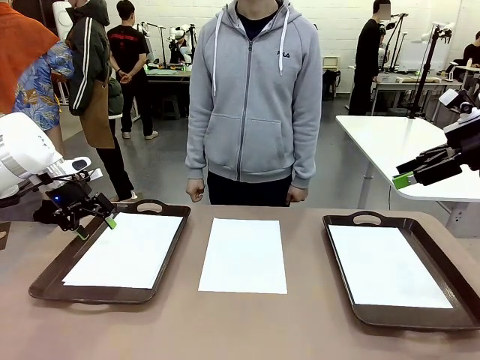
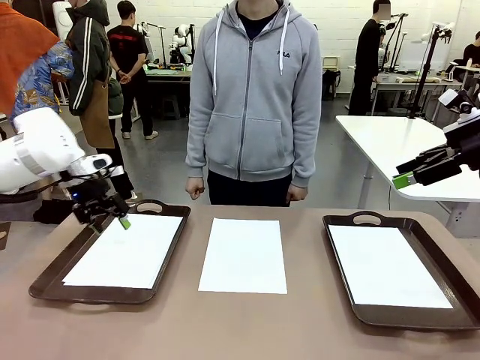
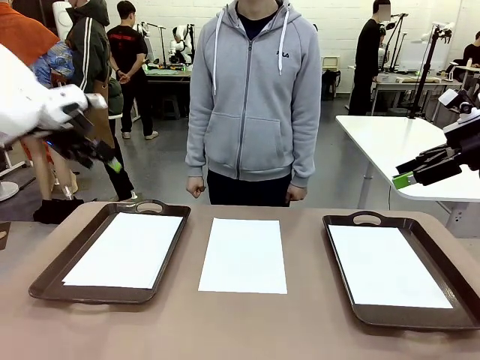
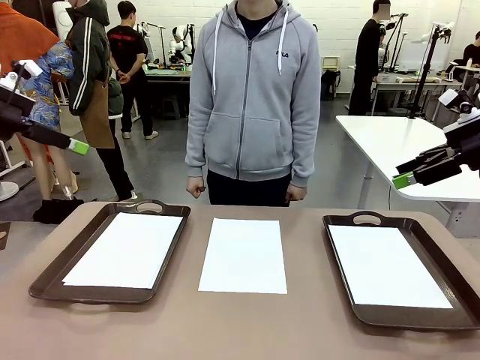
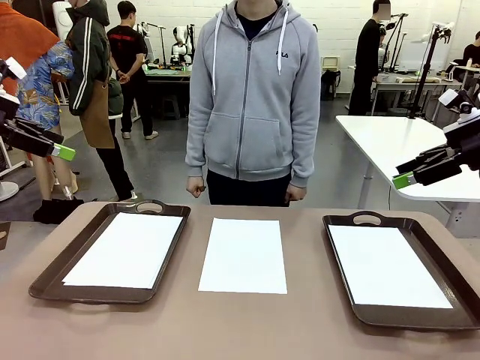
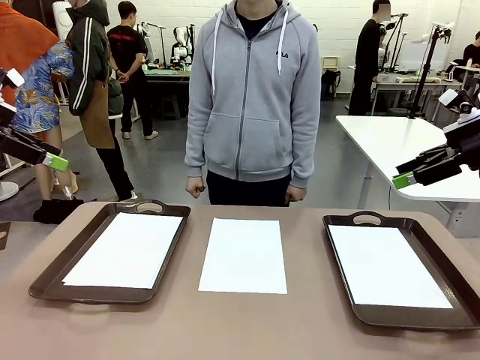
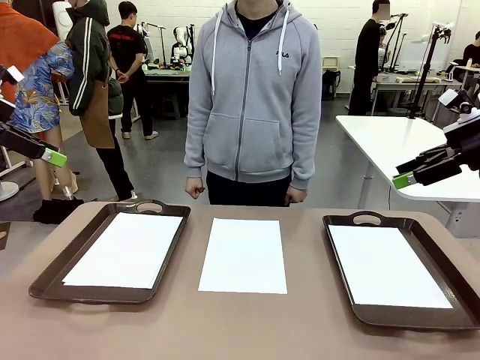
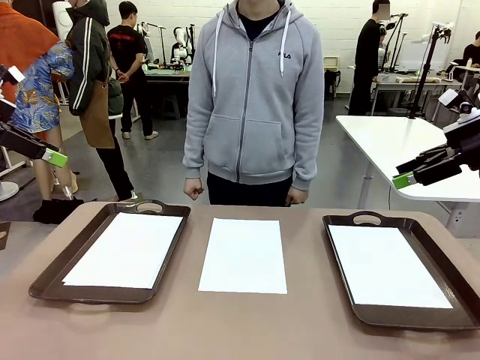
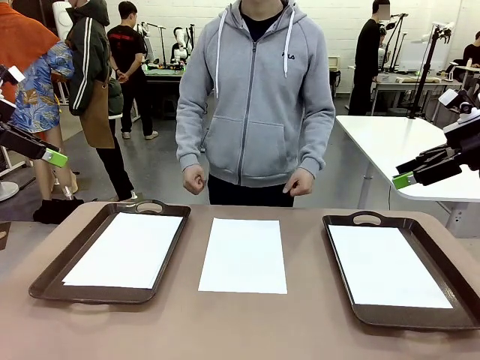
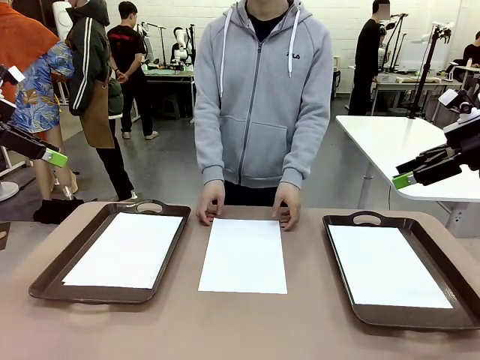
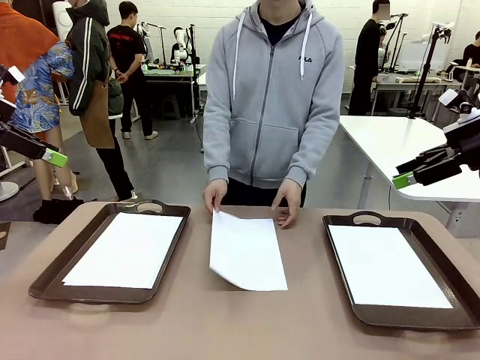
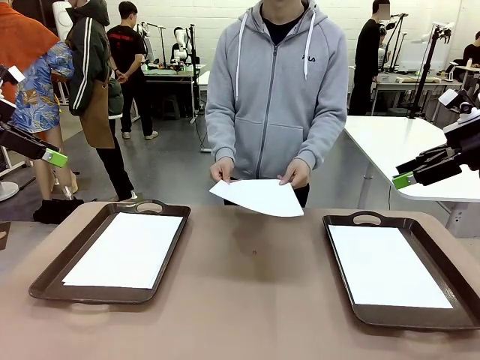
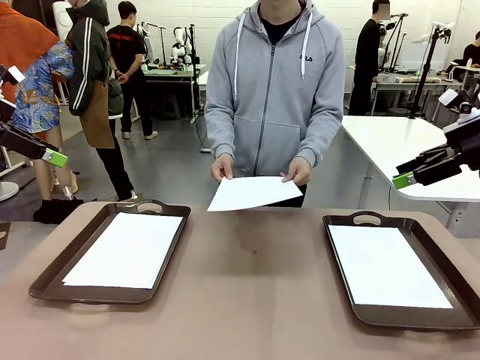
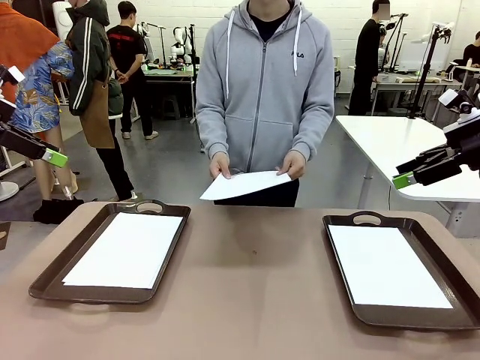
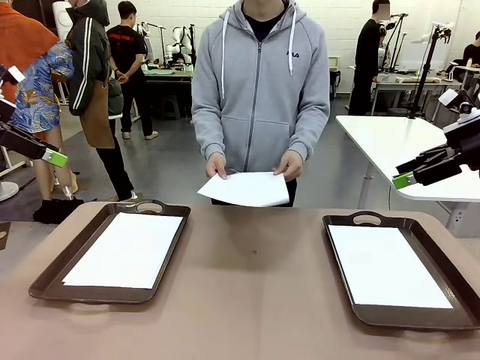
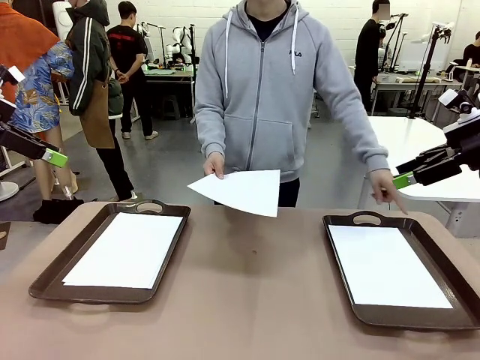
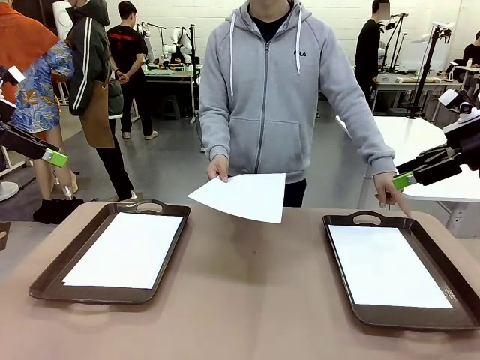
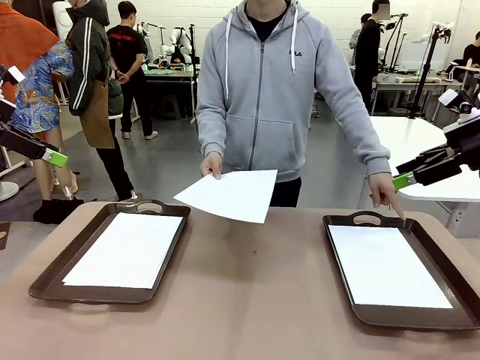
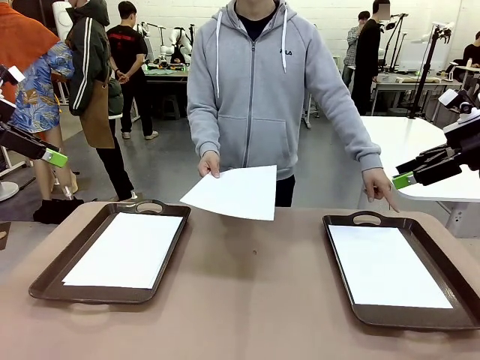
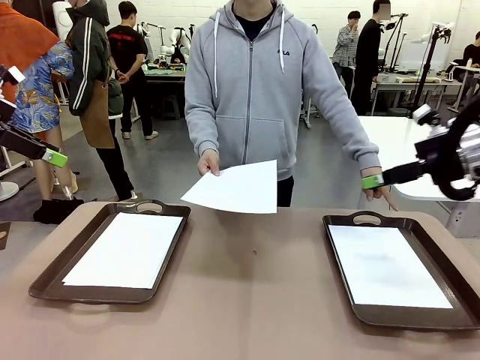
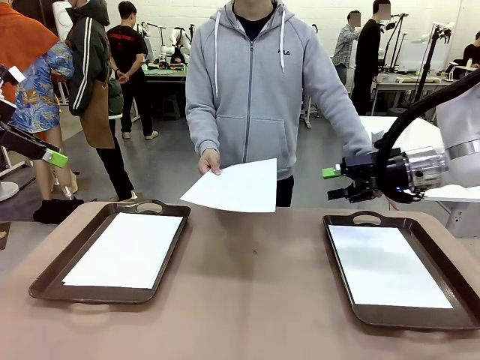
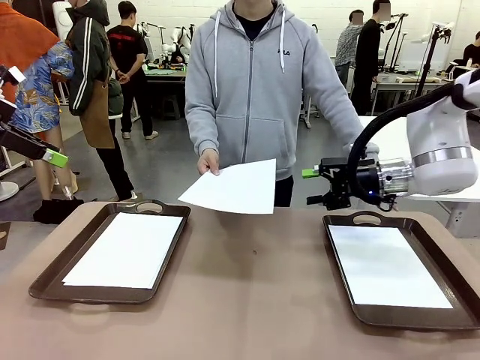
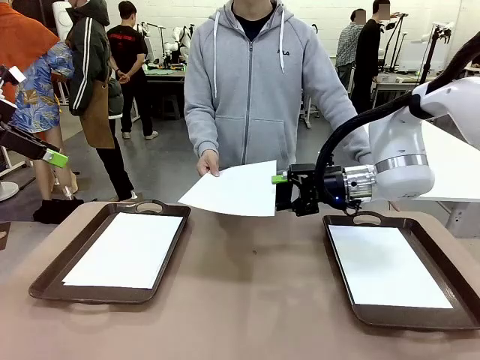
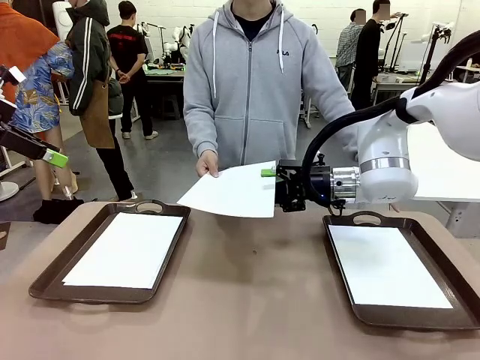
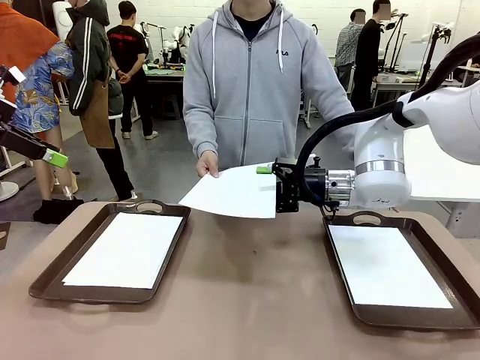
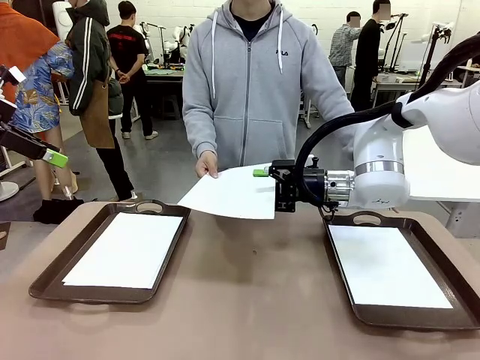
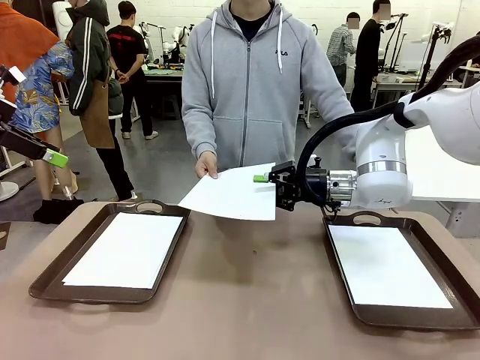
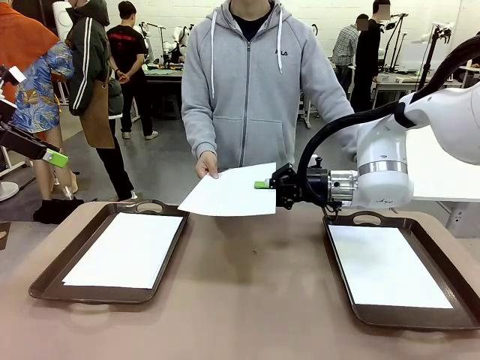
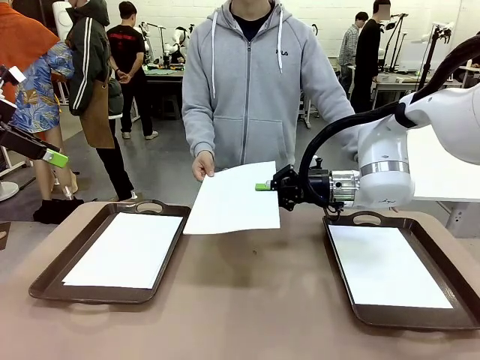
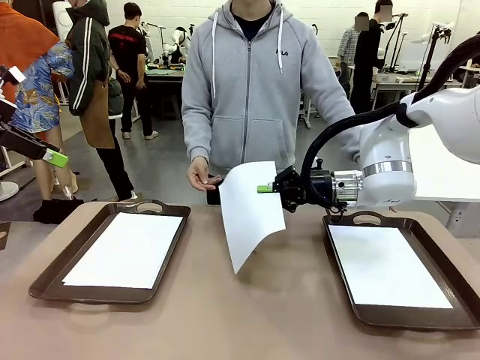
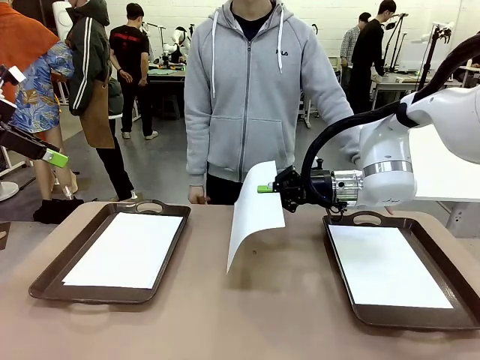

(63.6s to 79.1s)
Task: Sort the A4 documents.
Robot: Receive the A4 Paper.
Person: Point the randomly selected tray with the other hand.

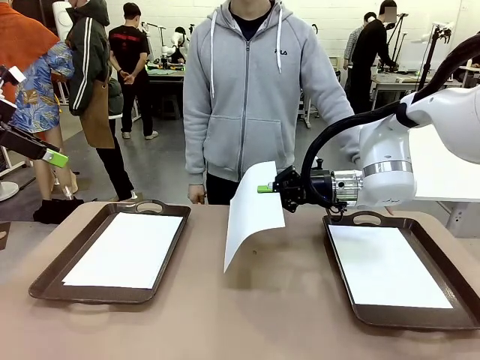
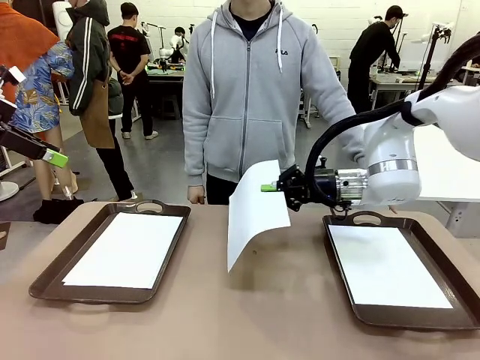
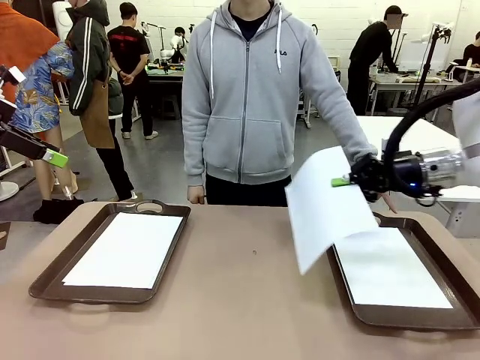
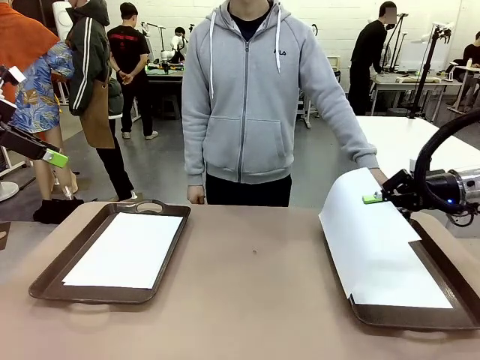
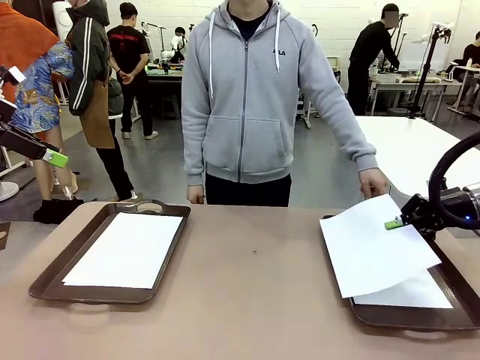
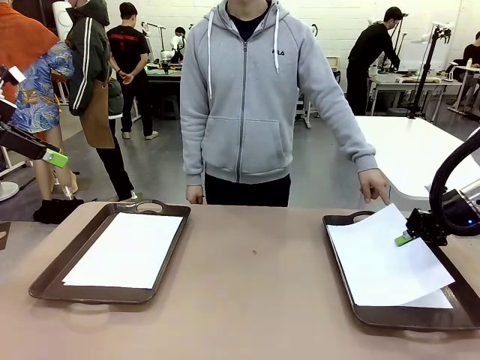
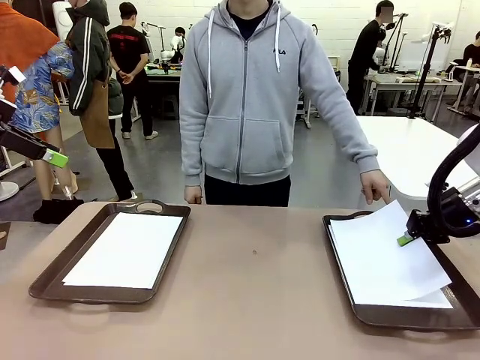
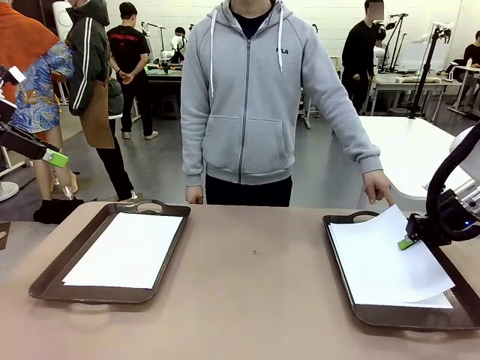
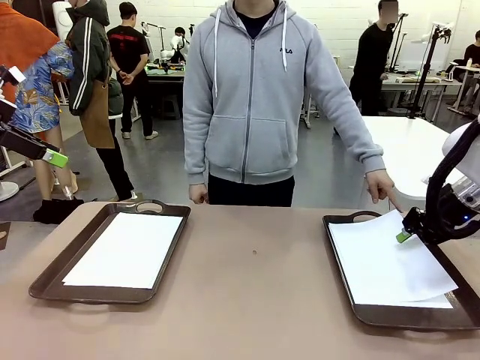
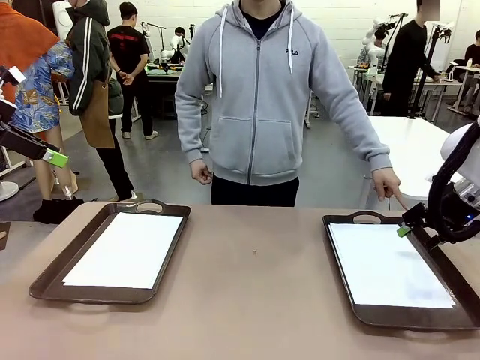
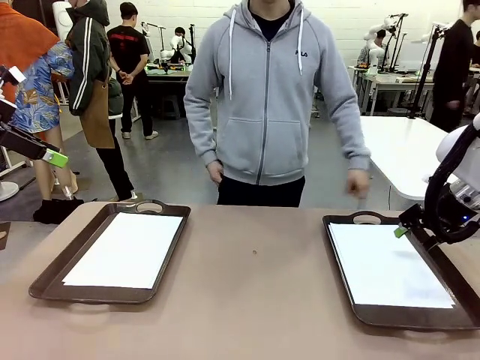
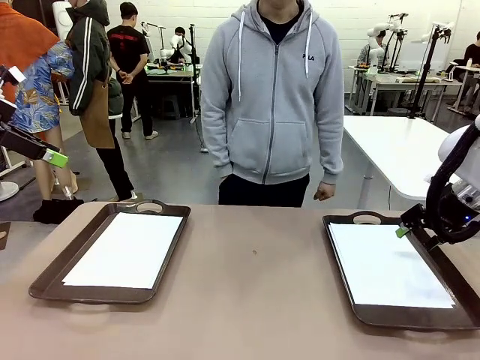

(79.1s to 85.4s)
Robot: Place the A4 Paper in the designated Handle tray.
